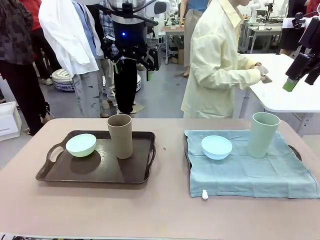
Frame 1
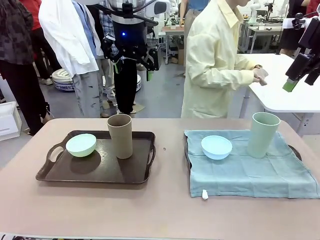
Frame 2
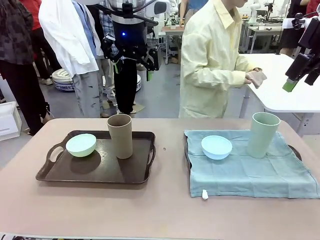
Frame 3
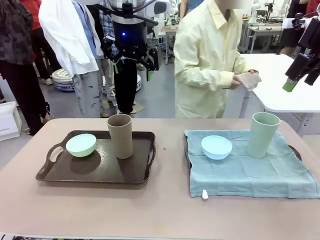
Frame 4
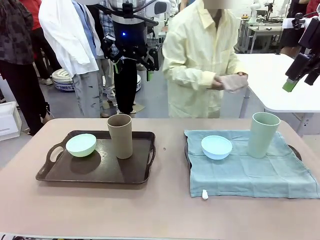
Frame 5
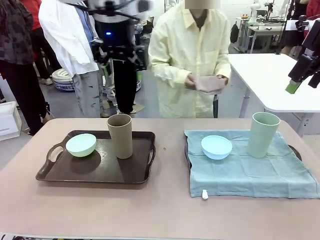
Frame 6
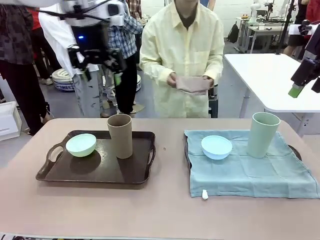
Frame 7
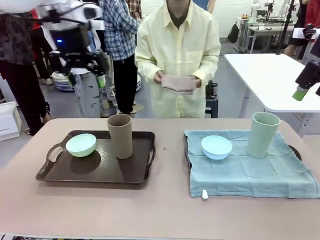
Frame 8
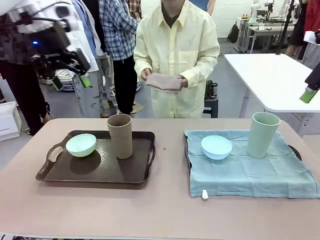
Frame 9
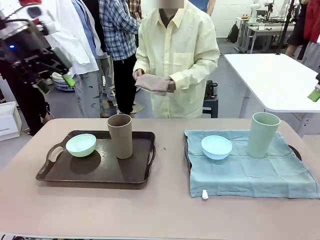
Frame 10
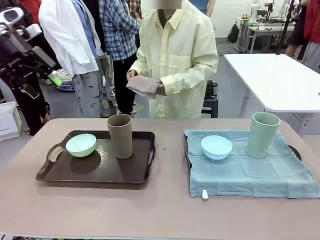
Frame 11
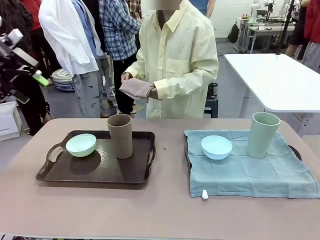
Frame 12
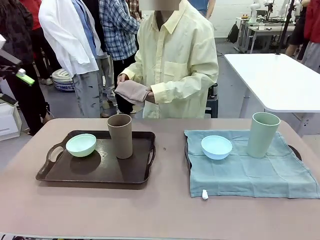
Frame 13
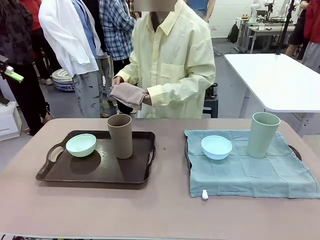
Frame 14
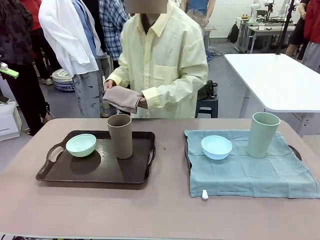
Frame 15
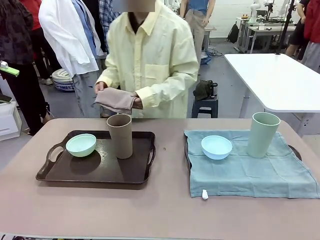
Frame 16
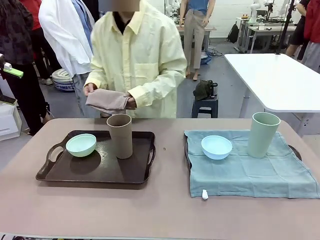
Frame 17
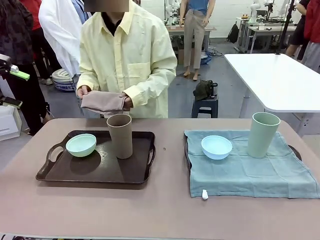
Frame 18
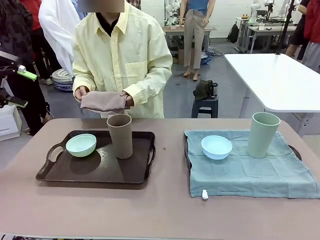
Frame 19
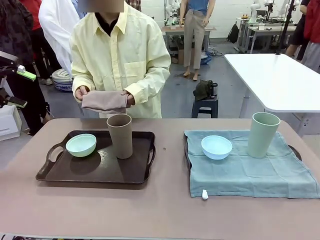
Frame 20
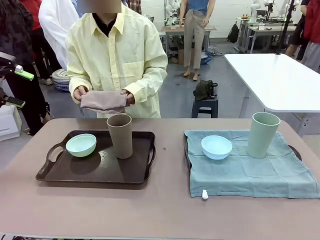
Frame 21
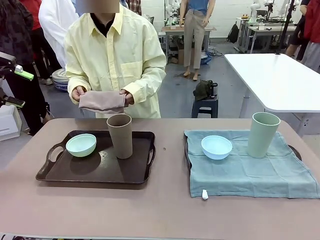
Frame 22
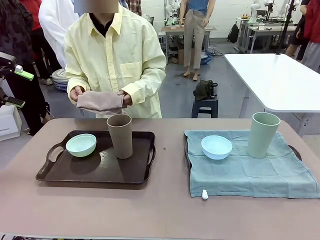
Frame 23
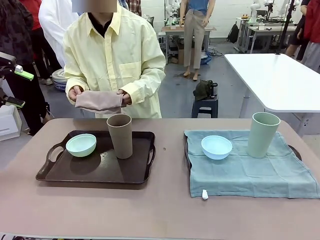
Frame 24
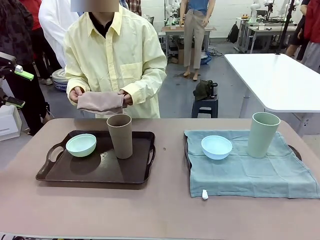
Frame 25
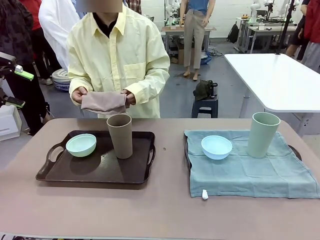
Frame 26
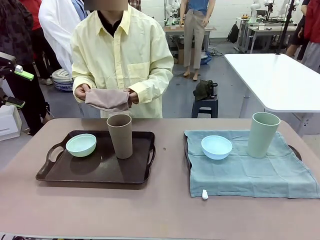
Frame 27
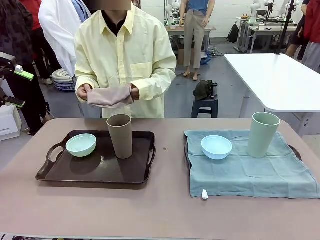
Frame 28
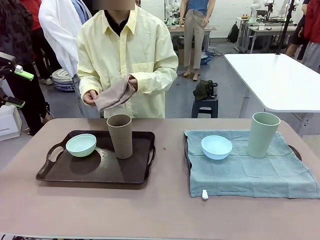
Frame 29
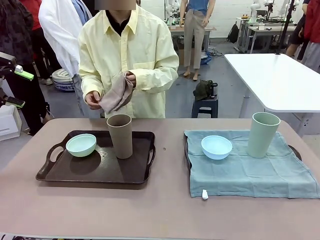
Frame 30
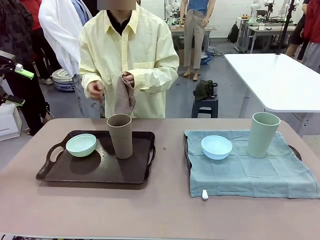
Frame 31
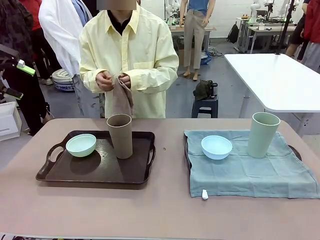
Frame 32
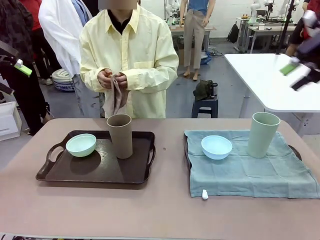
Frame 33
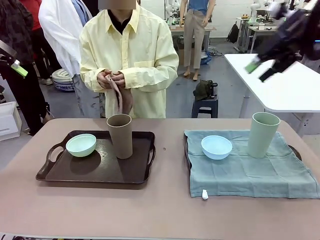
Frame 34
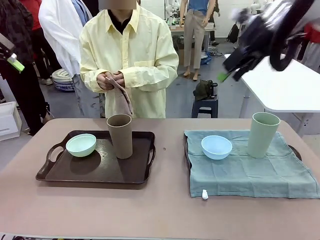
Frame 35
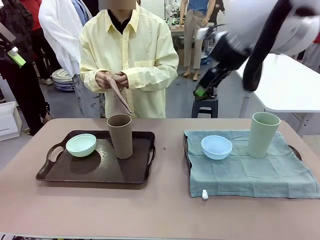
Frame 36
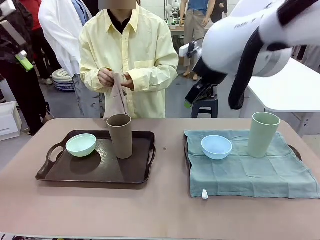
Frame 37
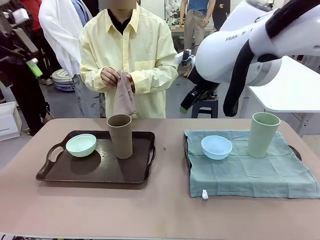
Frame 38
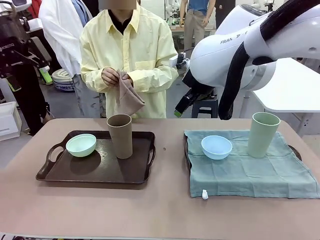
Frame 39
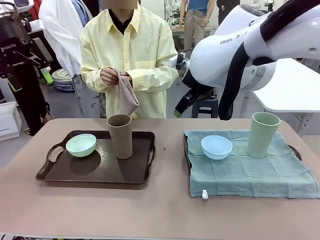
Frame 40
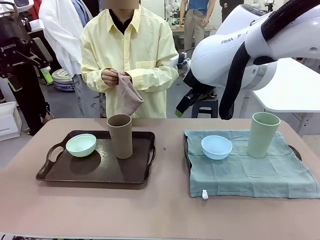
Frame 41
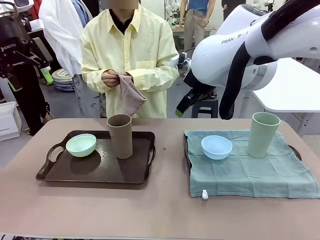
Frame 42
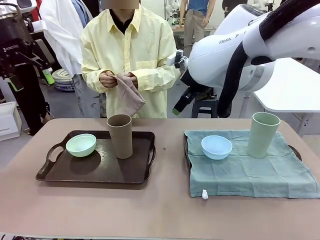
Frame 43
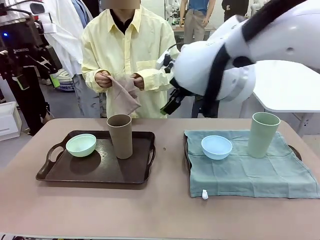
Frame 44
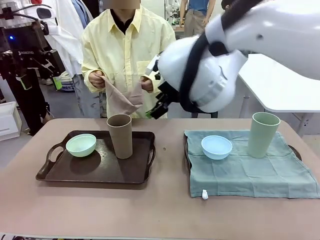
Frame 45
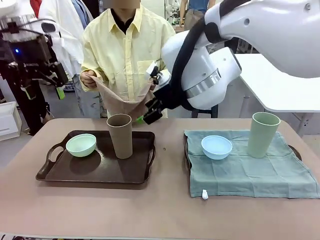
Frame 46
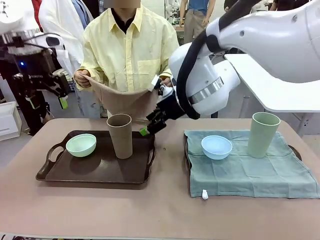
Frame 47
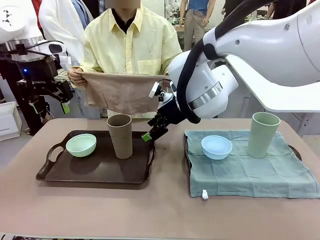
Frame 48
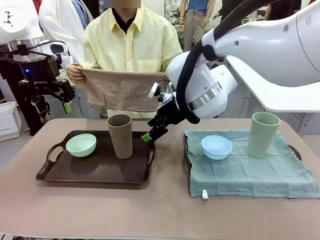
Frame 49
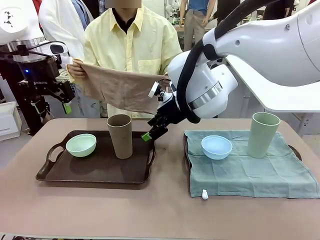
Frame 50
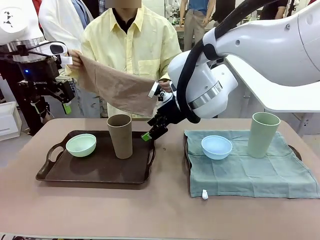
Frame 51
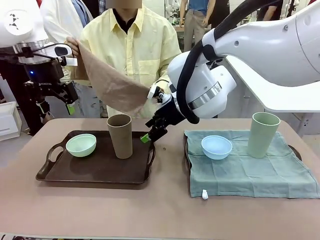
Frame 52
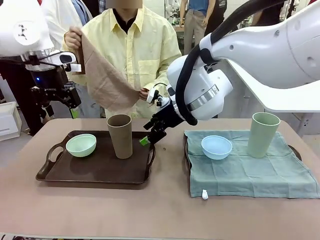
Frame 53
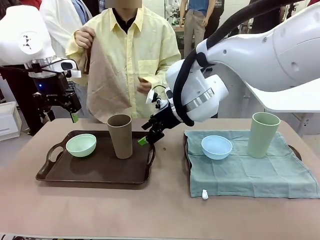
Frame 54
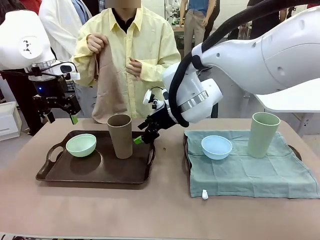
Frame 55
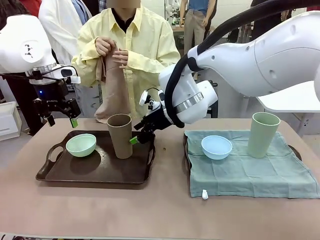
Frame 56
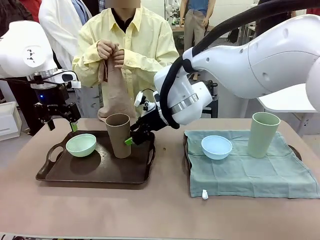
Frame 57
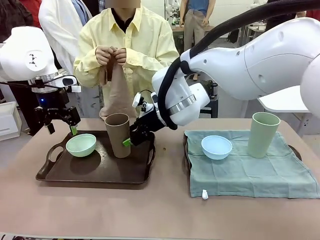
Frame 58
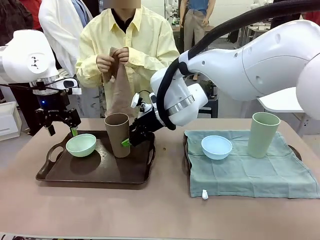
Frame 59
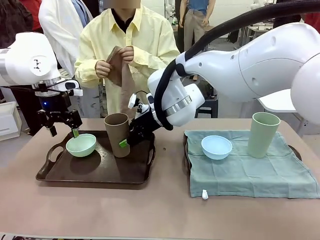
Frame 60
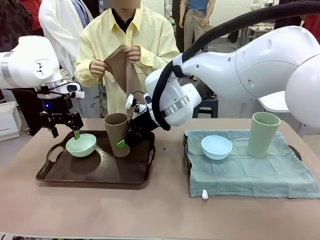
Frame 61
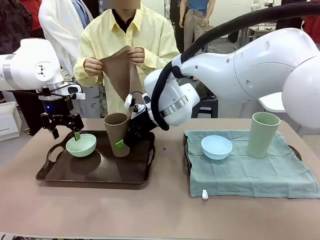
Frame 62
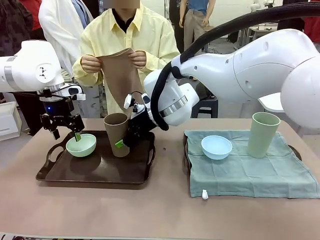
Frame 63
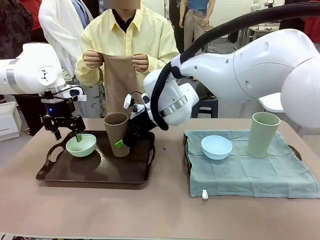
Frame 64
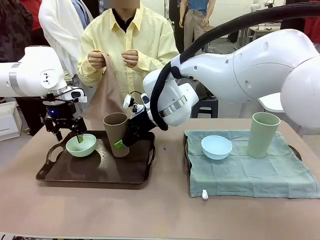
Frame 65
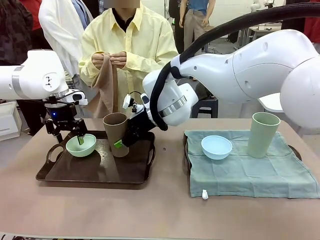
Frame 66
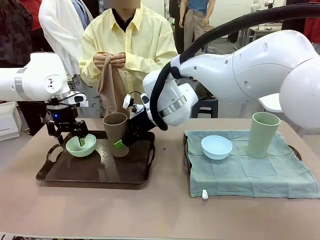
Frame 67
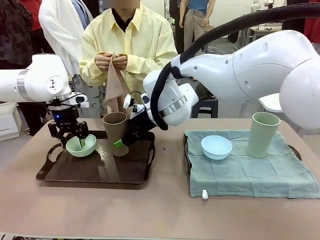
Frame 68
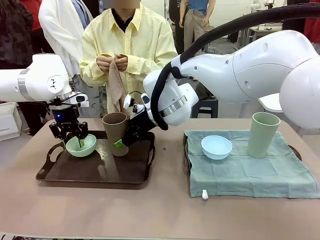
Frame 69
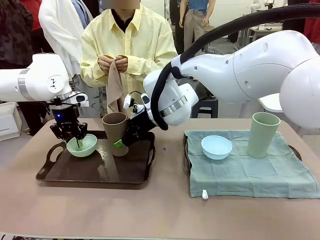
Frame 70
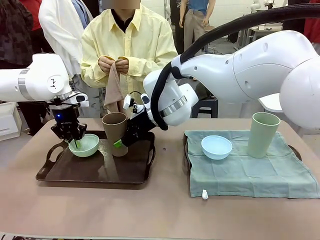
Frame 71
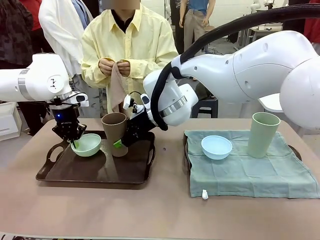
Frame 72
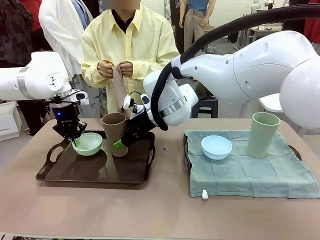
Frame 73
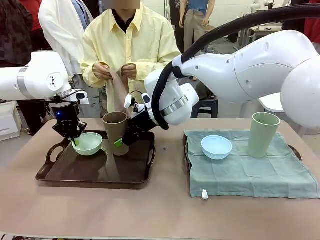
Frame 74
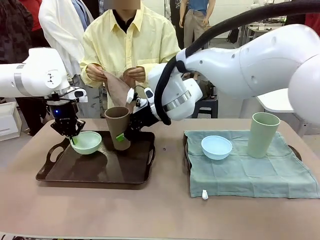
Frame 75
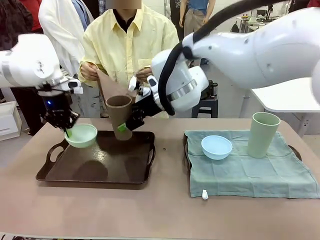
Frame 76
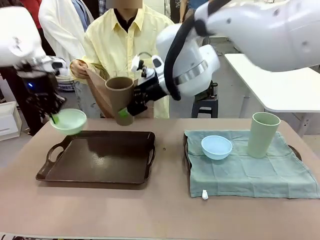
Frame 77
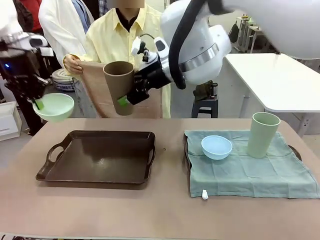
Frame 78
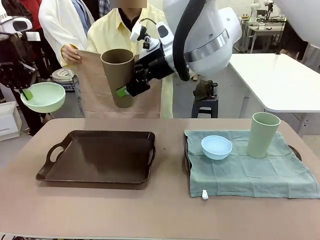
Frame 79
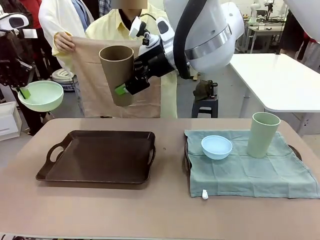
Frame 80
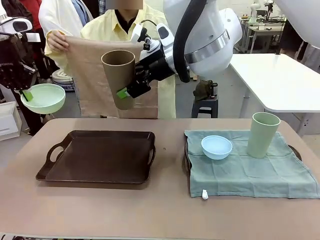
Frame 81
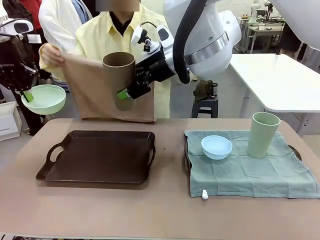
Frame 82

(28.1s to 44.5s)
Robot: Pick up the Picnic Bowl and Reusable plastic cup from the Handle tray in front of the human's position and hold them in the air.

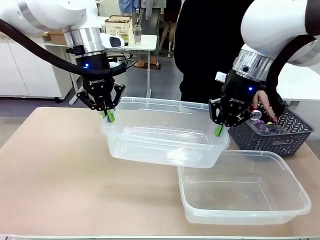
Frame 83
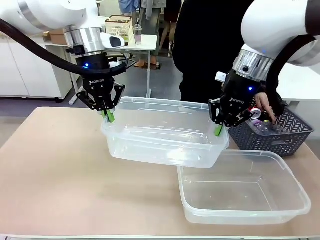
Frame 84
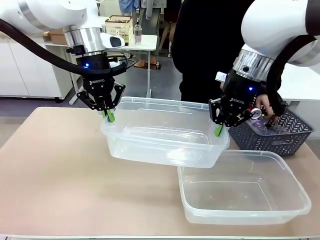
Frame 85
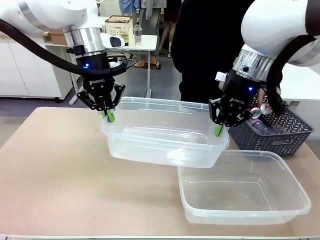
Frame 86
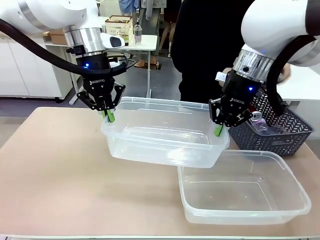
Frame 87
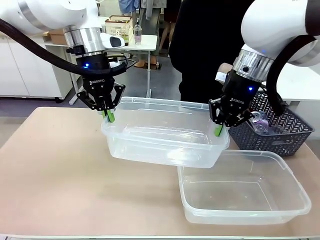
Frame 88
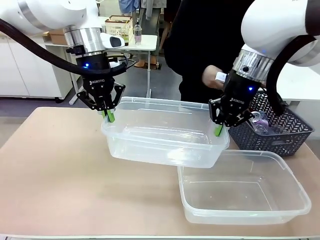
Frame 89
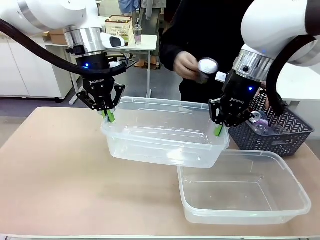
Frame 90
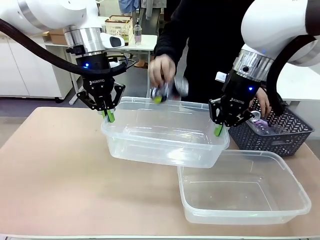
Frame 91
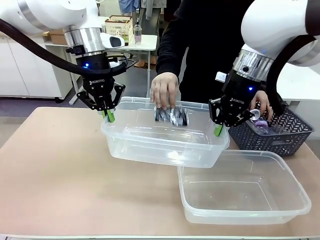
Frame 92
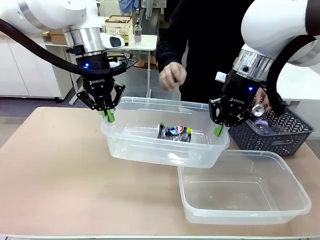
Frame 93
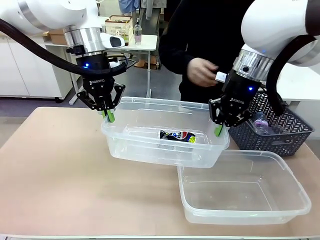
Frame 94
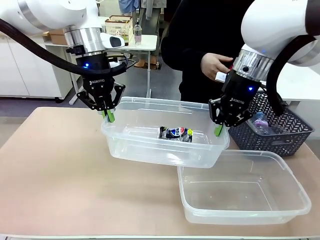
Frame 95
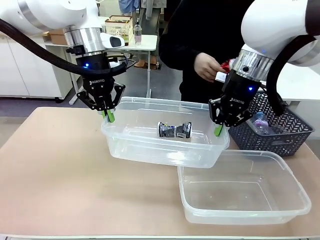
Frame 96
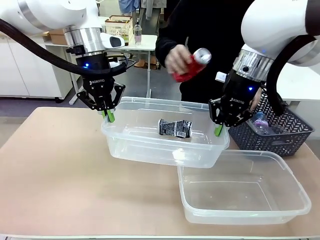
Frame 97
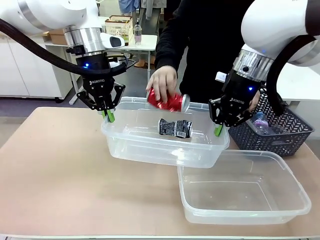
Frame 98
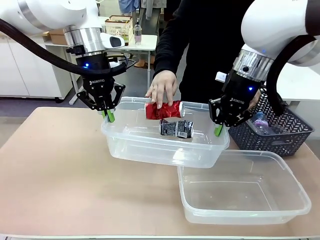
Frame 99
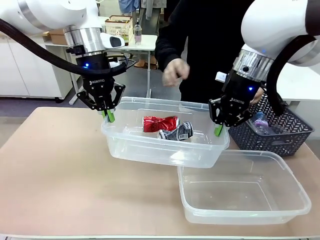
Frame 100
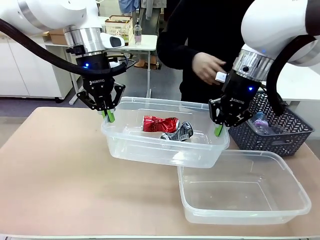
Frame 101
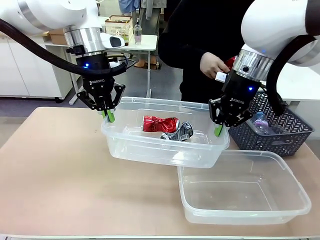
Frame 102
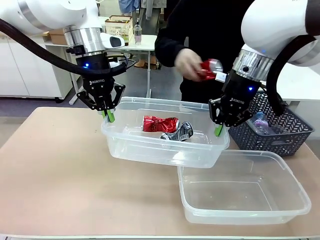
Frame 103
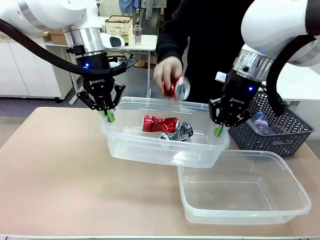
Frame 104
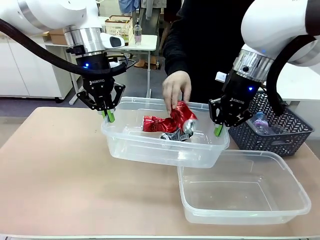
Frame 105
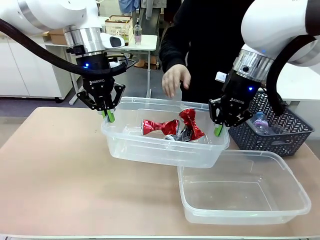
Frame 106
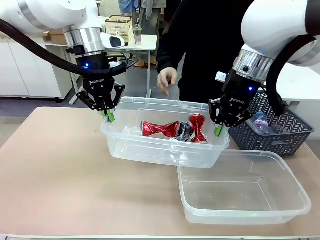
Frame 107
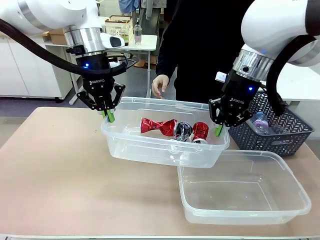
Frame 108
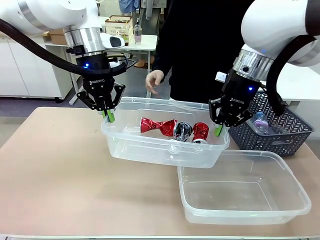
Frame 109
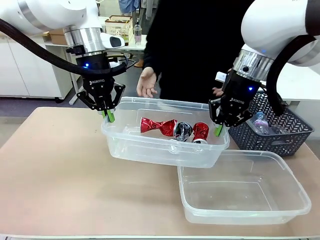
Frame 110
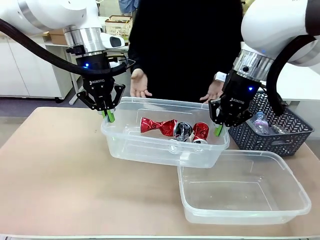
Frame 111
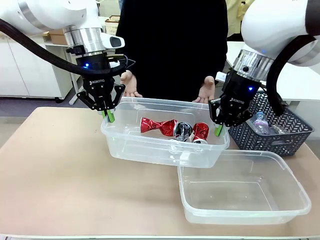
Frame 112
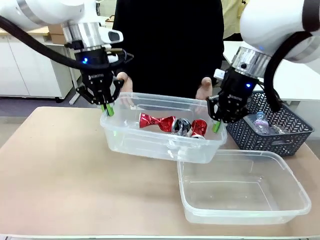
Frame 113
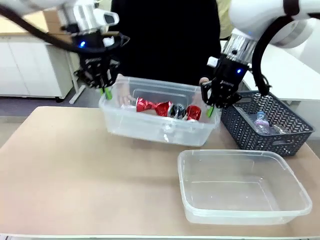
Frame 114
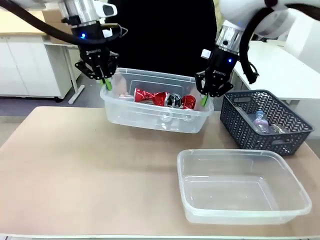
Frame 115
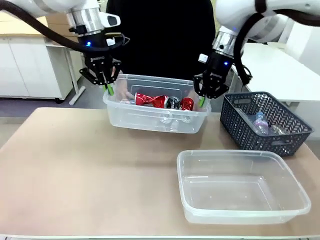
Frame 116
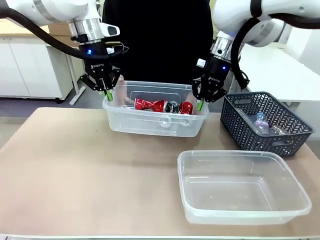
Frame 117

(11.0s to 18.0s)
Robot: Offer the picked Organizing box to the human.
